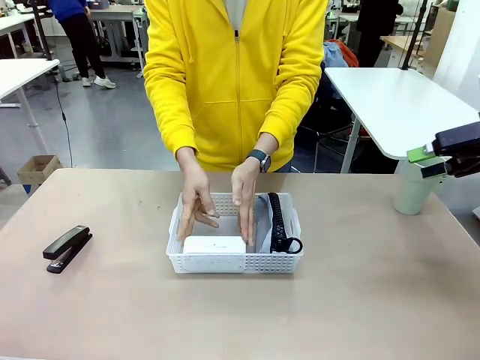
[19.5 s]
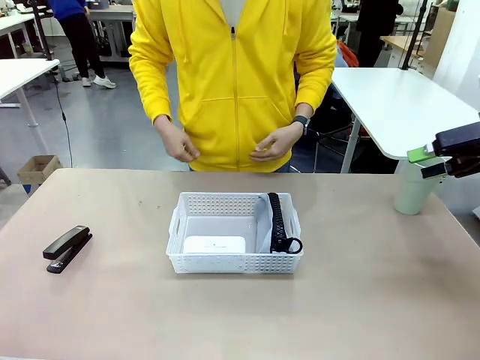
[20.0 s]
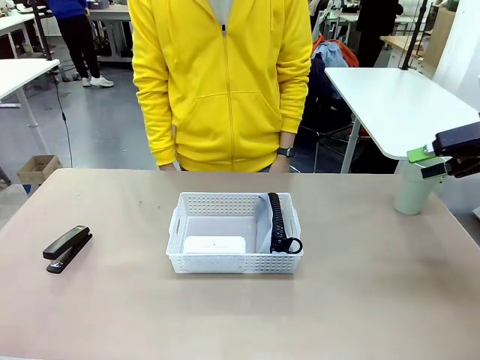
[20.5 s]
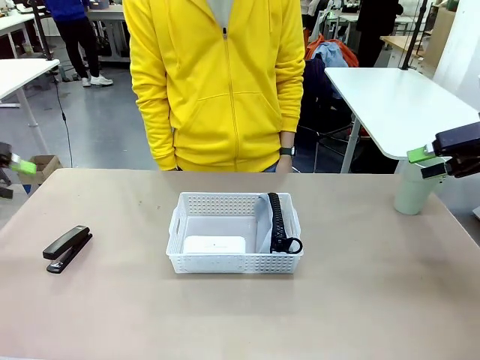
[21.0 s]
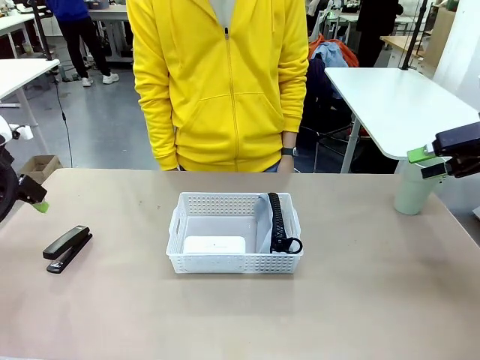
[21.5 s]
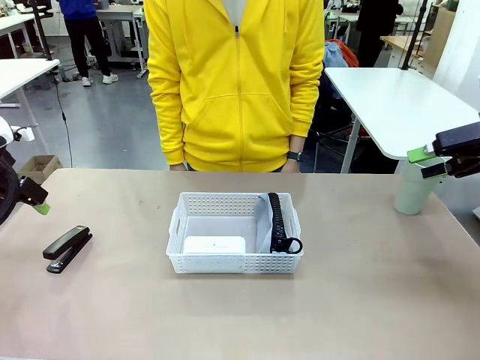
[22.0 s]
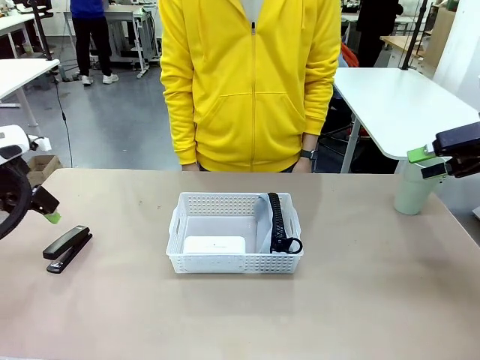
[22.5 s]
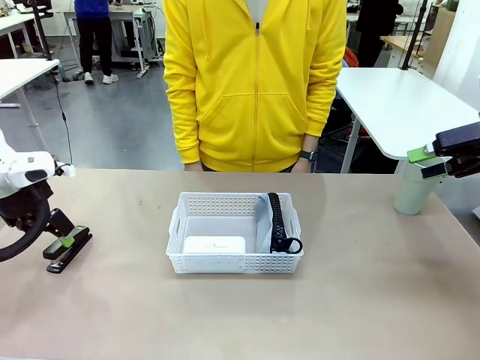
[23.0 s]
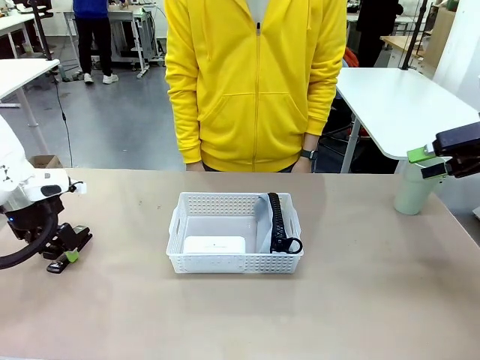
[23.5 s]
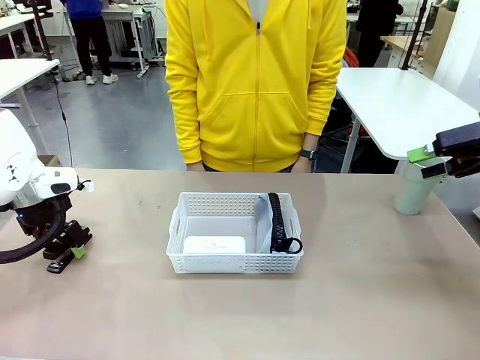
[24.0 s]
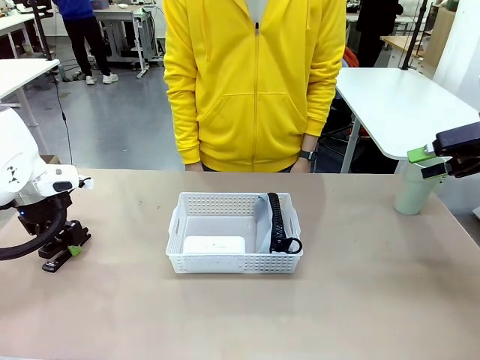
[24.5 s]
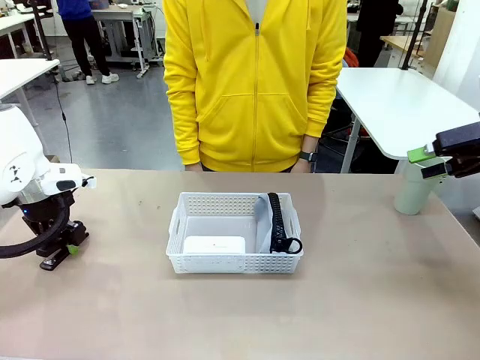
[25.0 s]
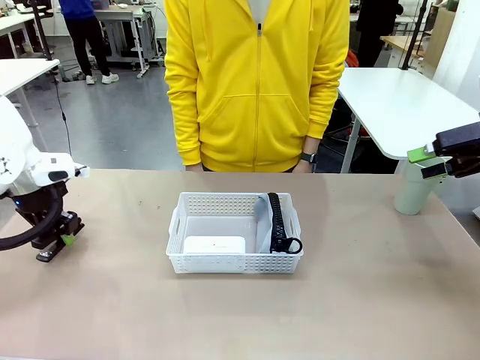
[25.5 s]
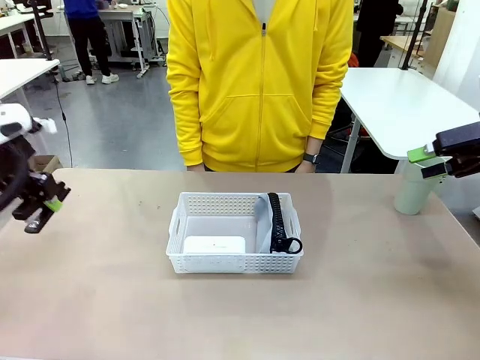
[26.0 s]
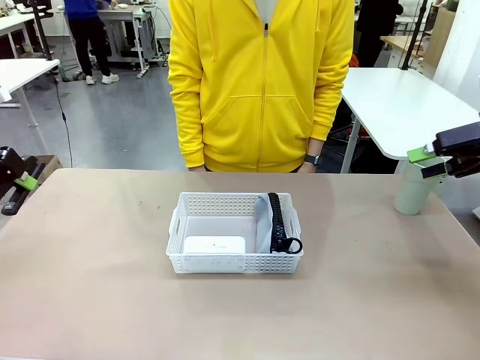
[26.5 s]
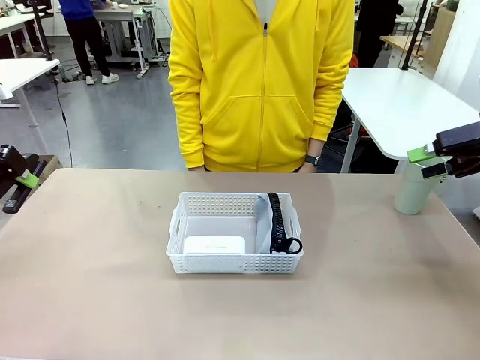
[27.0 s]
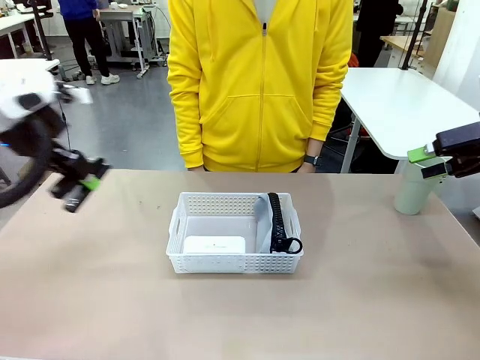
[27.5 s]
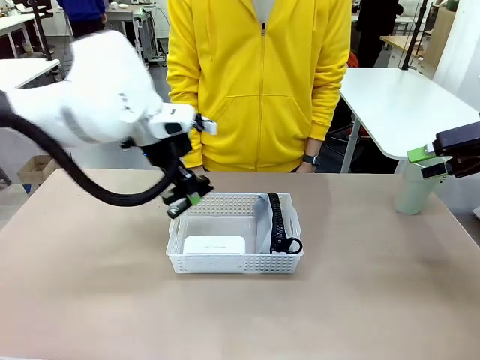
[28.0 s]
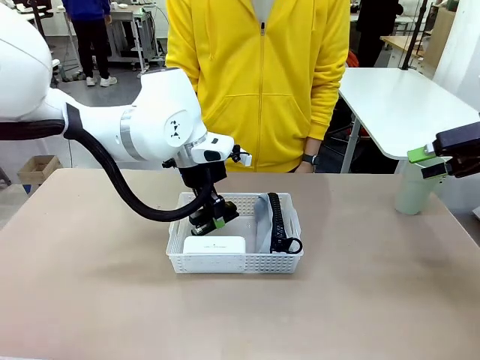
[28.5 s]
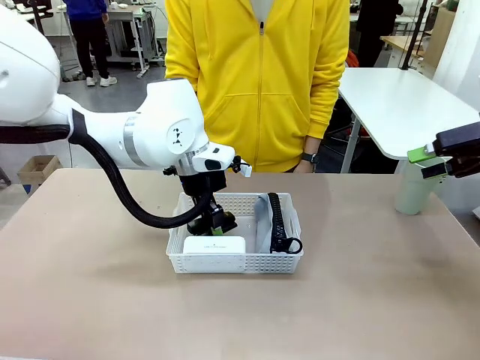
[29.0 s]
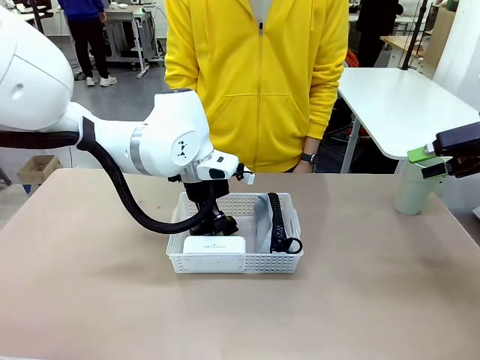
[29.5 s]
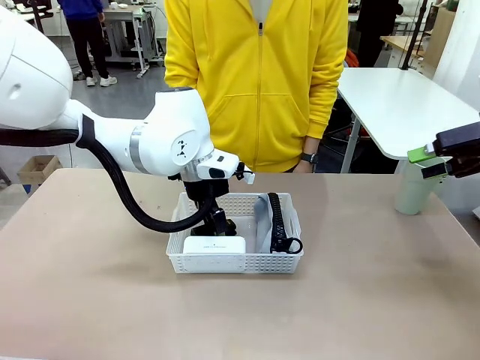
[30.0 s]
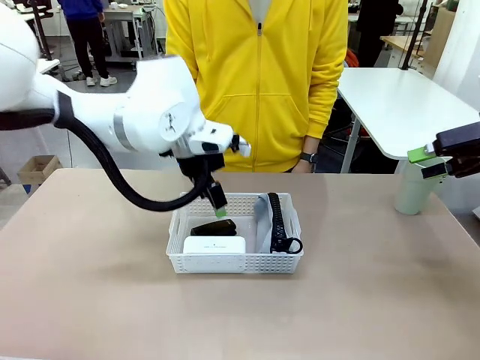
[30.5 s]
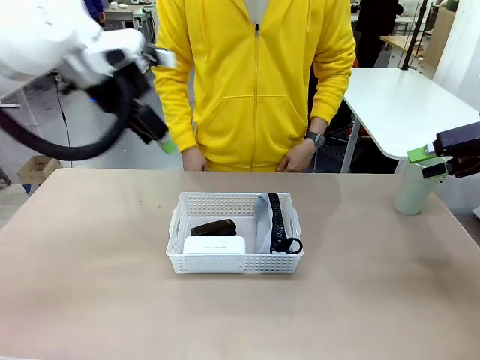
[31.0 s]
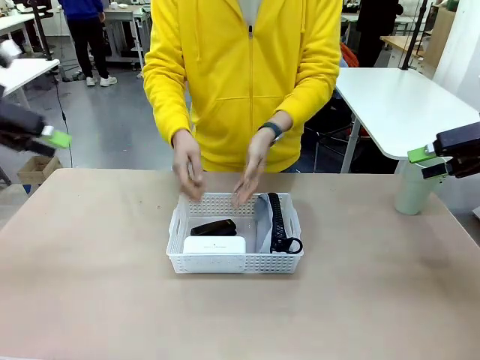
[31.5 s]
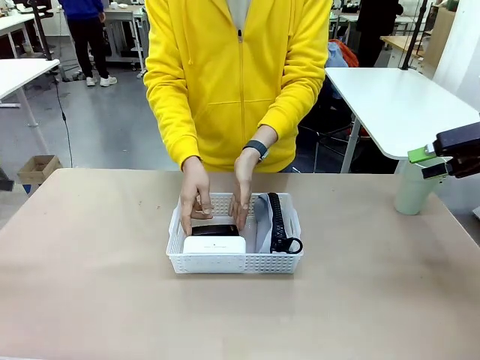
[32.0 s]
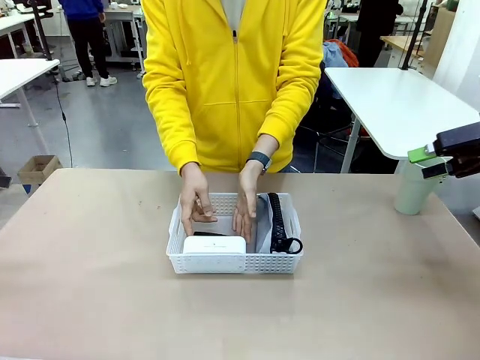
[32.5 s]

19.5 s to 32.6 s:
Task: Efficiently arrange items inside the basket to fit them all.
Robot: Pick up the Stapler and place it inside the Organizing basket.

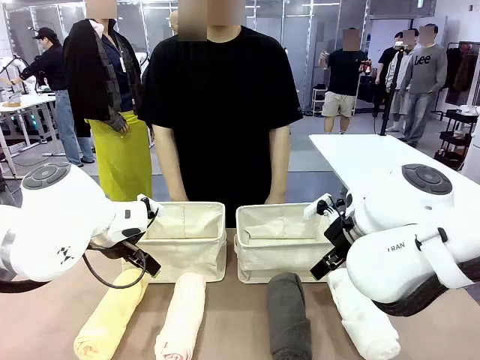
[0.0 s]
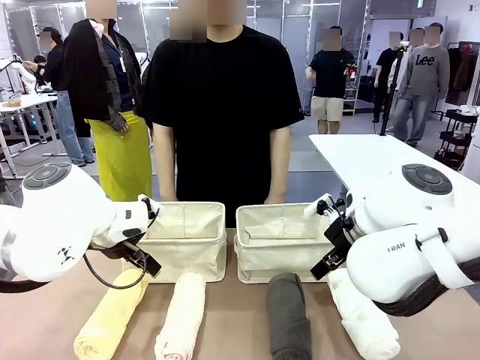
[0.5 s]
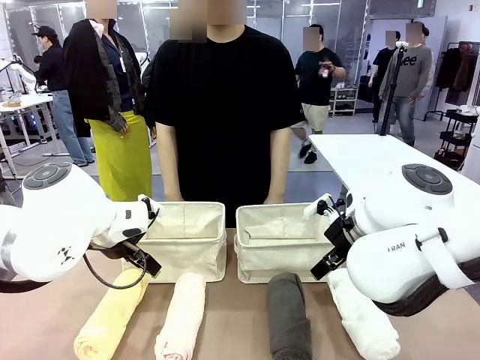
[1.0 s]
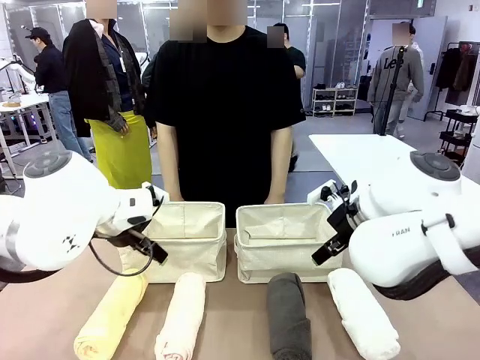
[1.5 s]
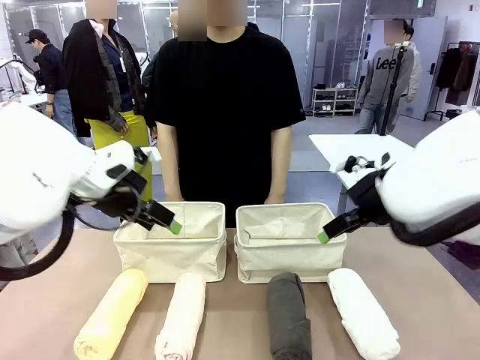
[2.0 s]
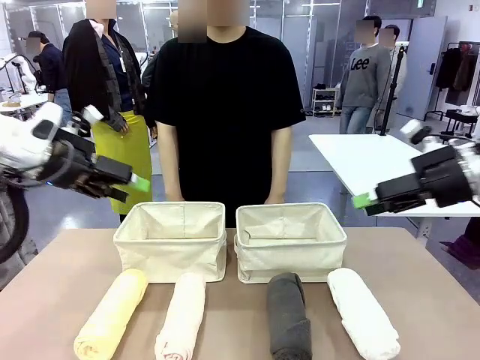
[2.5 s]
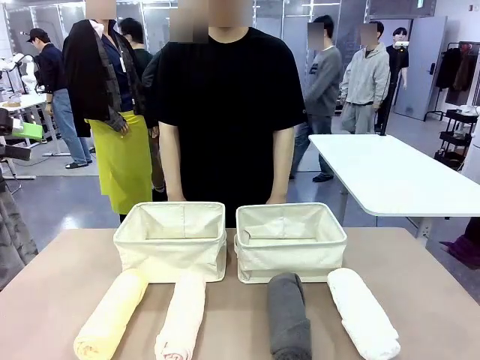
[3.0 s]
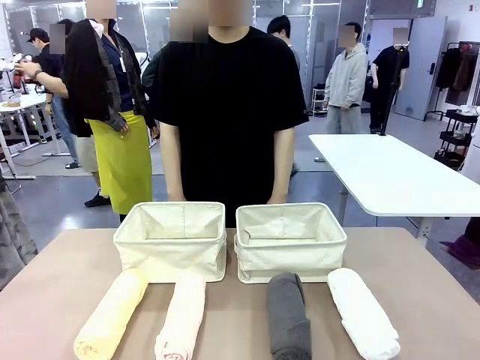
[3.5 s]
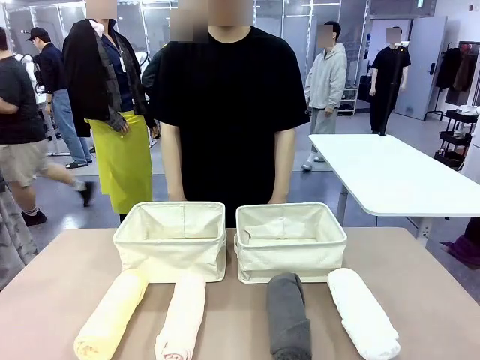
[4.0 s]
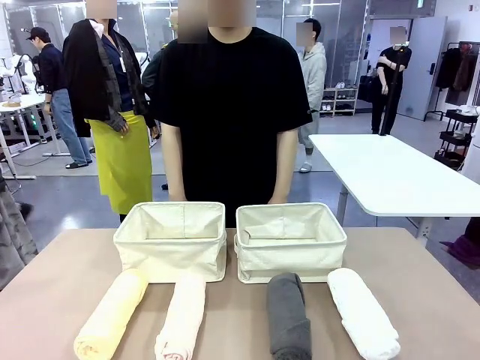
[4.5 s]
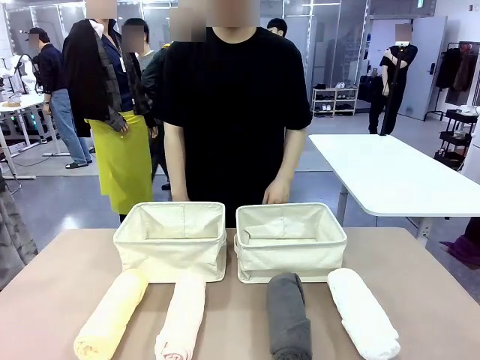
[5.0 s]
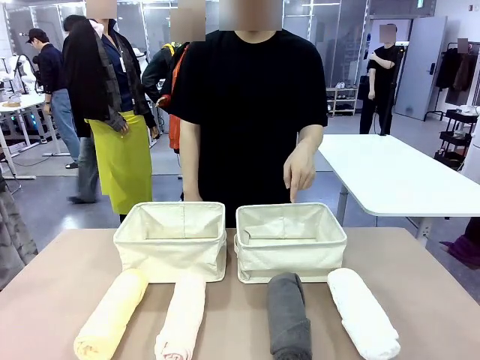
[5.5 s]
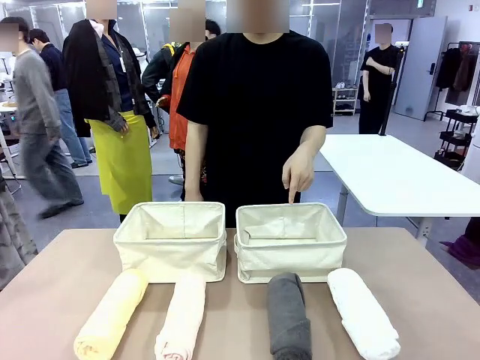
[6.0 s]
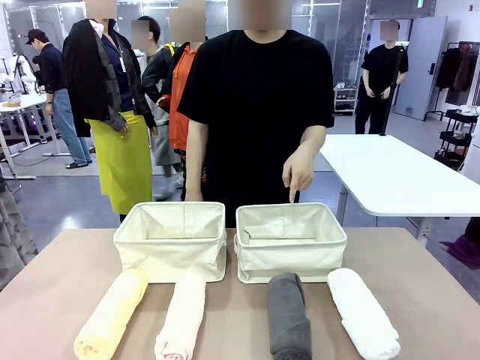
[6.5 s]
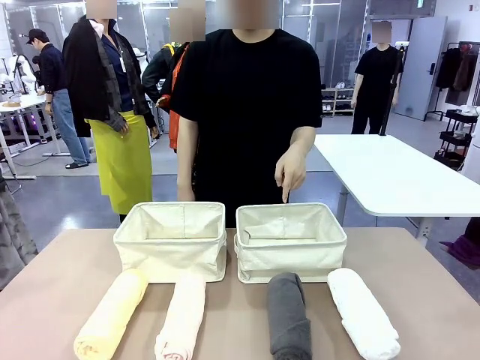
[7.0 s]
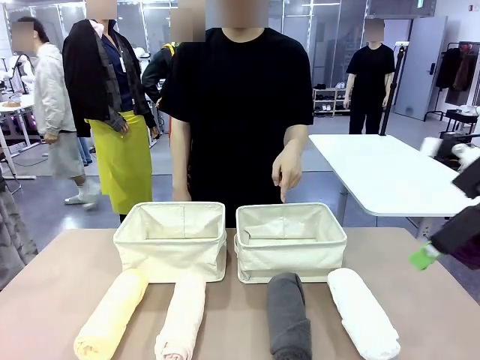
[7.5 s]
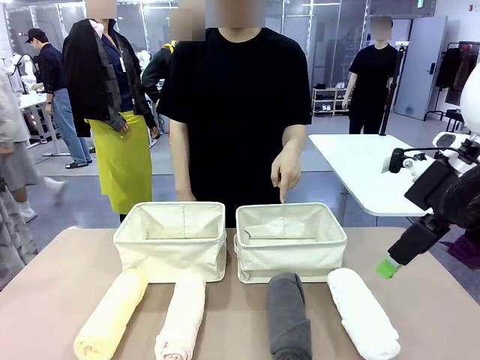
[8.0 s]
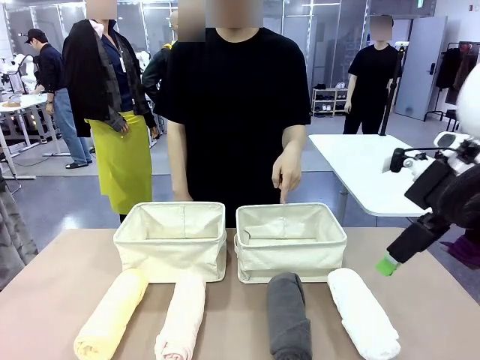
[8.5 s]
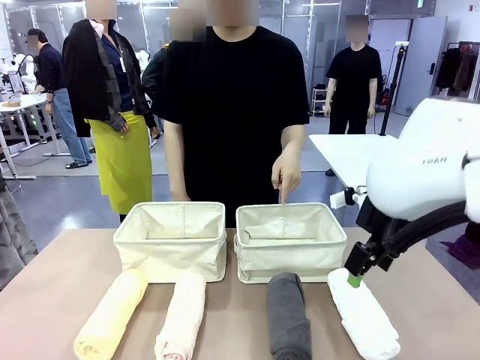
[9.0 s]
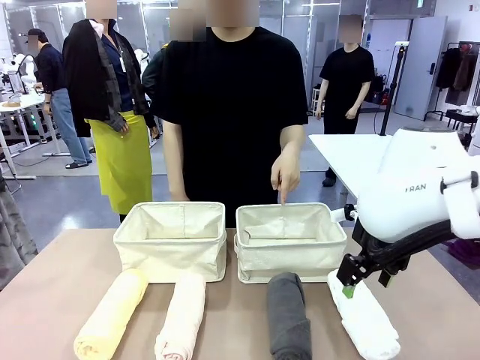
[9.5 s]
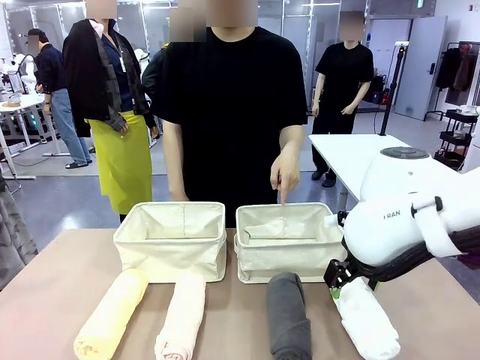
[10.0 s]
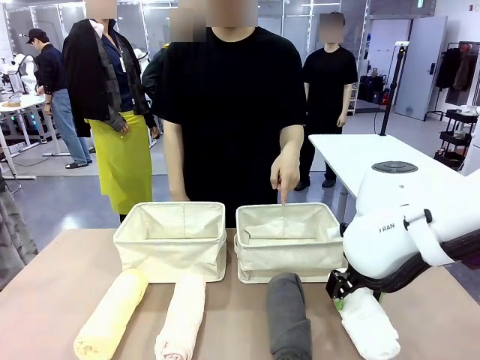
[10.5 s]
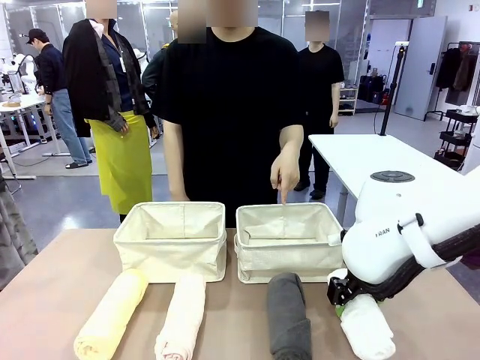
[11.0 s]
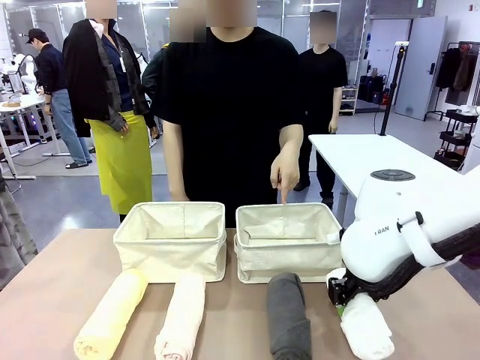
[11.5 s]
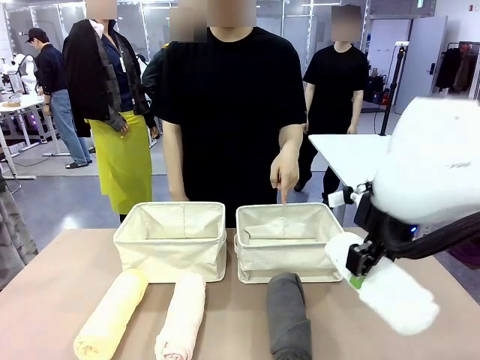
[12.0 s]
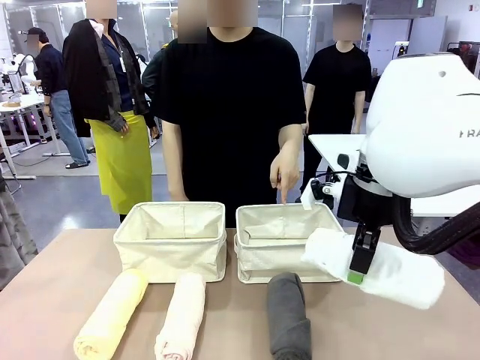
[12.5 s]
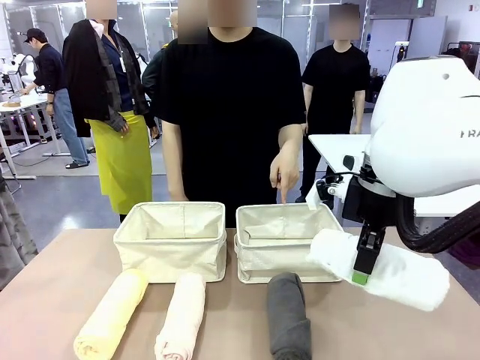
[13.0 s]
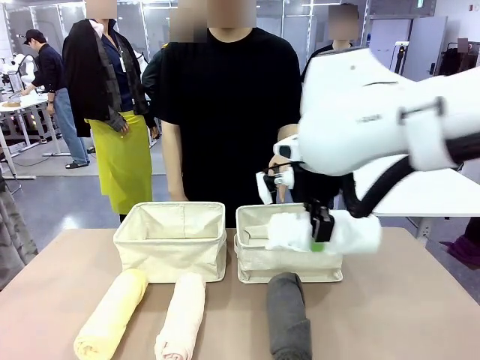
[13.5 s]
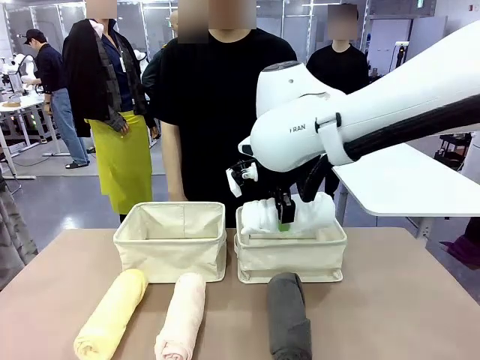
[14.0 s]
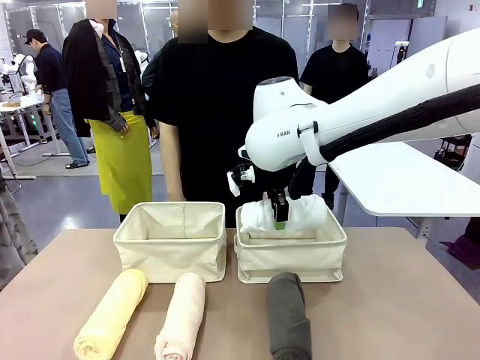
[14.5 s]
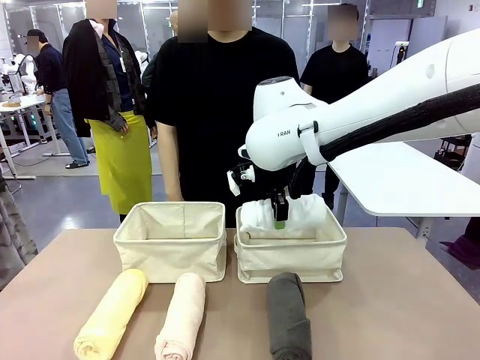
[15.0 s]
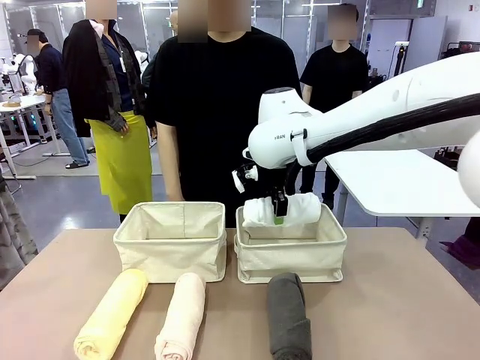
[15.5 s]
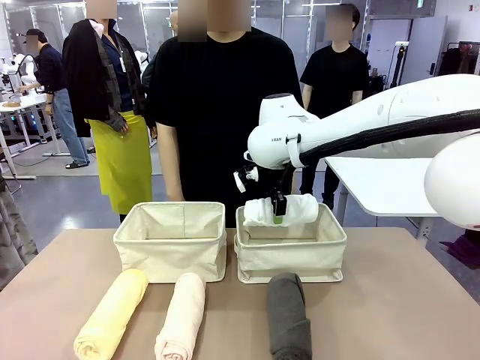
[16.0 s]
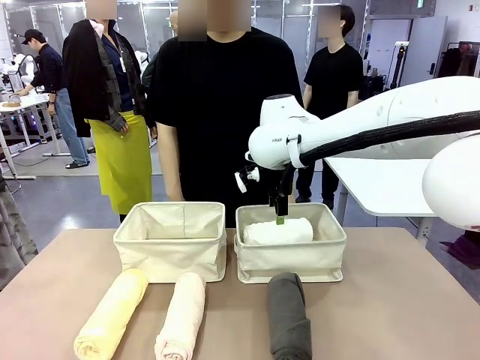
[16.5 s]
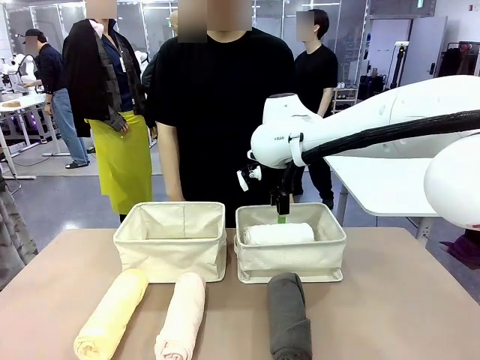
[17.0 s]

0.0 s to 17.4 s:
Task: Divide the towels into two baskets.
Robot: Pick up one hotel-folded towel and place it in the Fabric basket indicated by the person.
